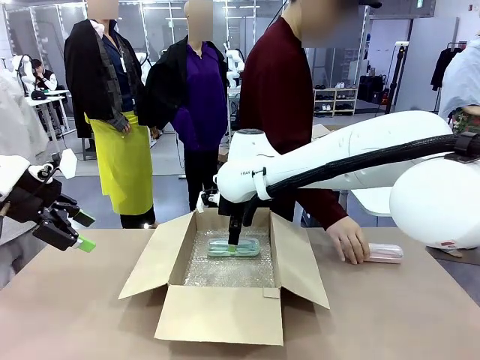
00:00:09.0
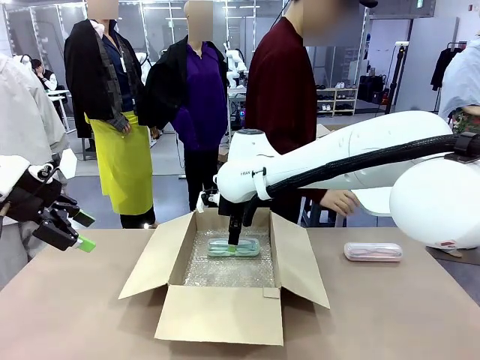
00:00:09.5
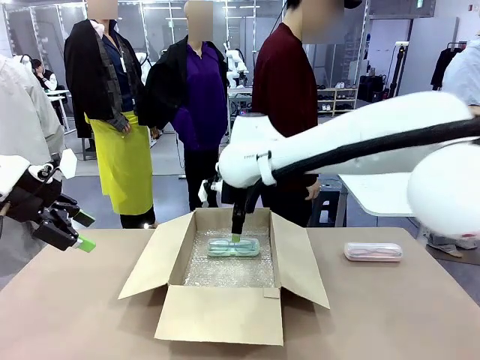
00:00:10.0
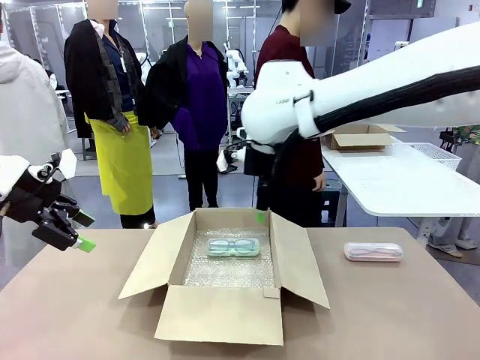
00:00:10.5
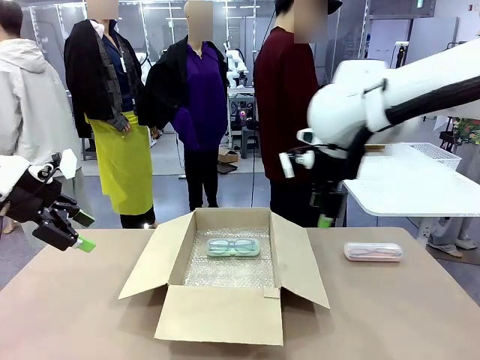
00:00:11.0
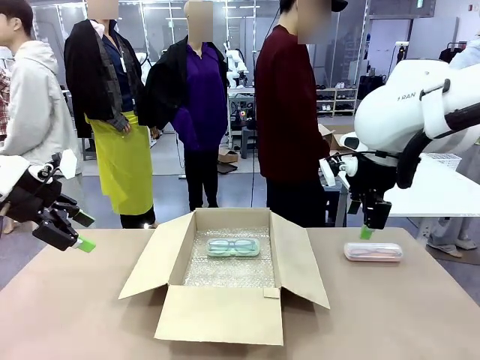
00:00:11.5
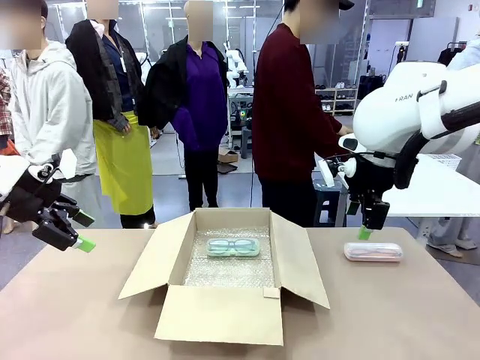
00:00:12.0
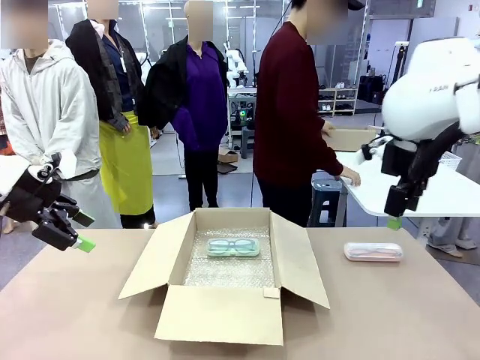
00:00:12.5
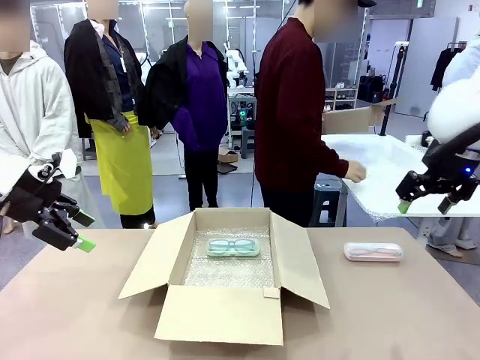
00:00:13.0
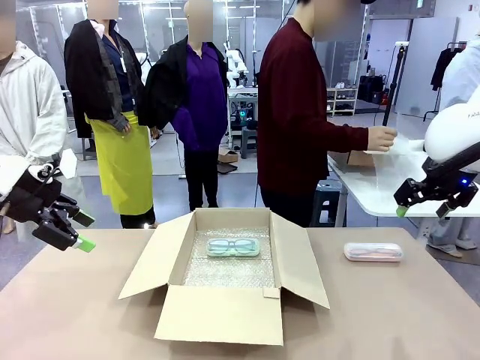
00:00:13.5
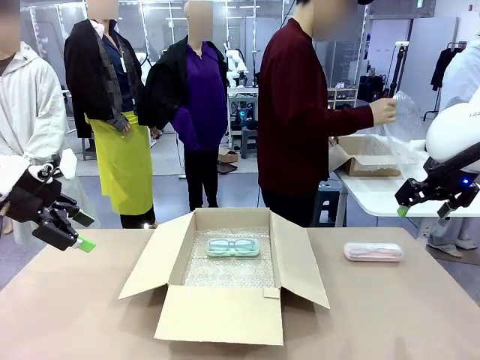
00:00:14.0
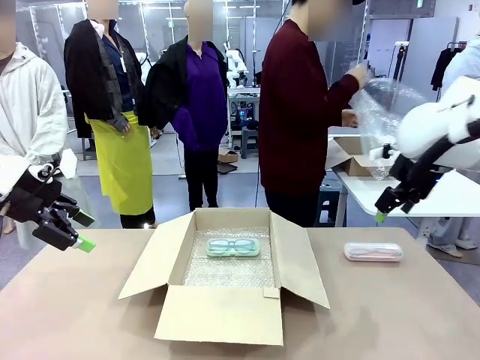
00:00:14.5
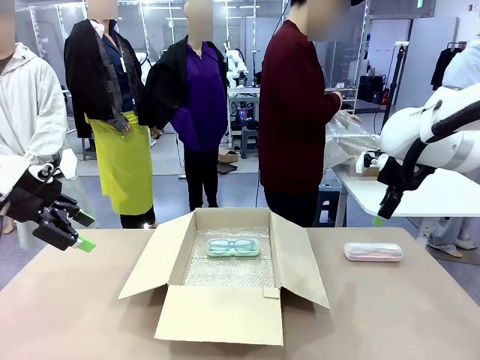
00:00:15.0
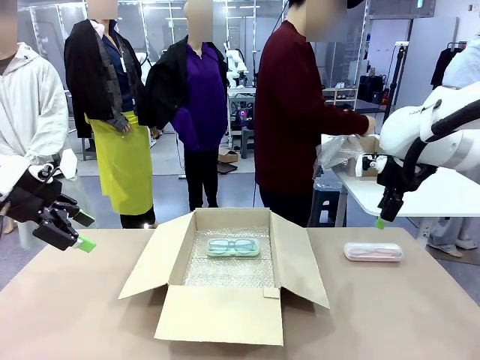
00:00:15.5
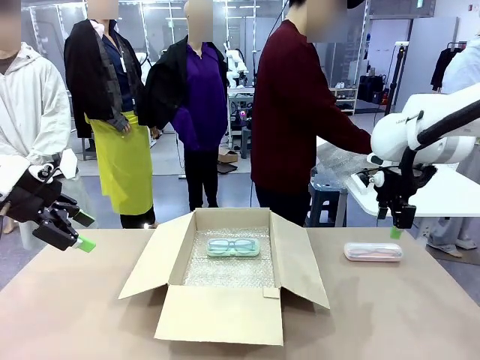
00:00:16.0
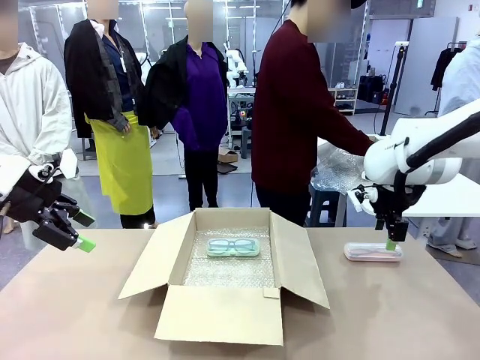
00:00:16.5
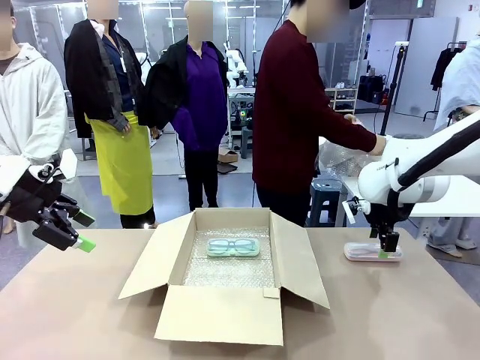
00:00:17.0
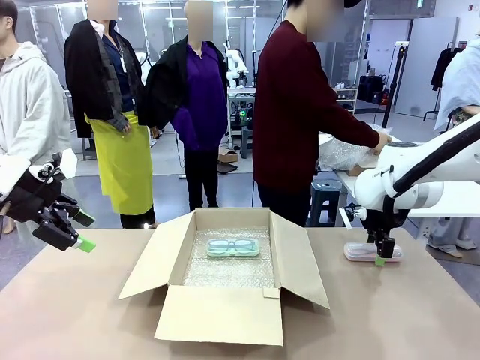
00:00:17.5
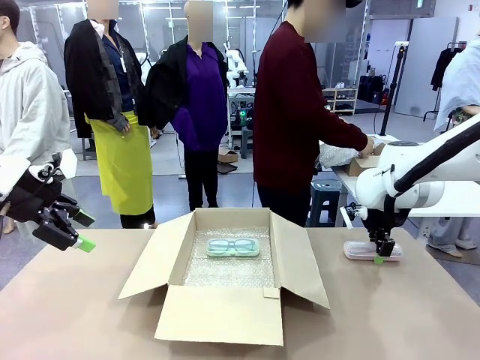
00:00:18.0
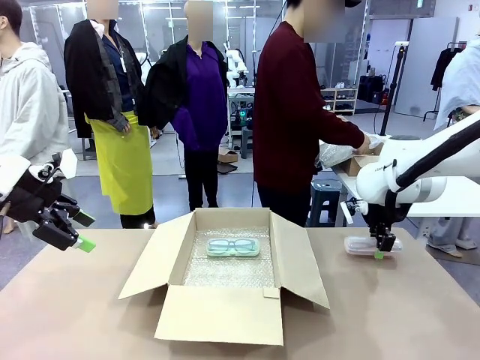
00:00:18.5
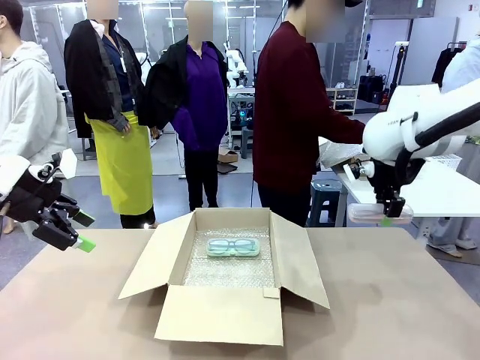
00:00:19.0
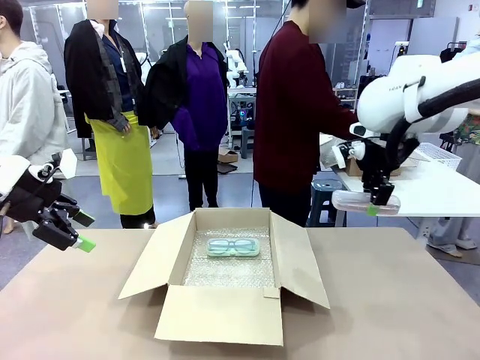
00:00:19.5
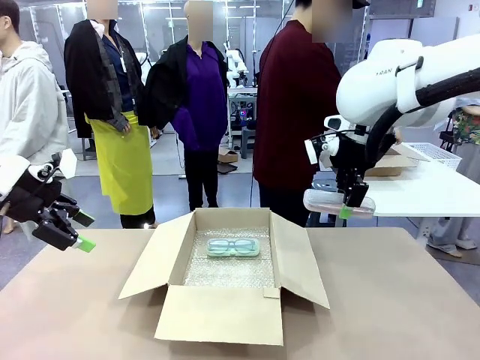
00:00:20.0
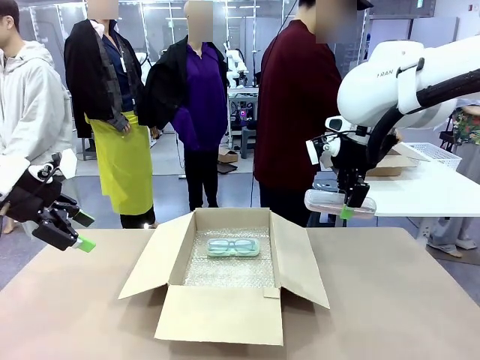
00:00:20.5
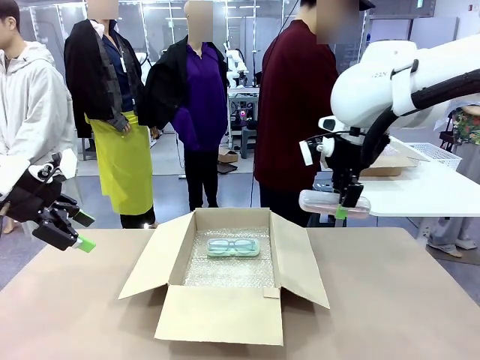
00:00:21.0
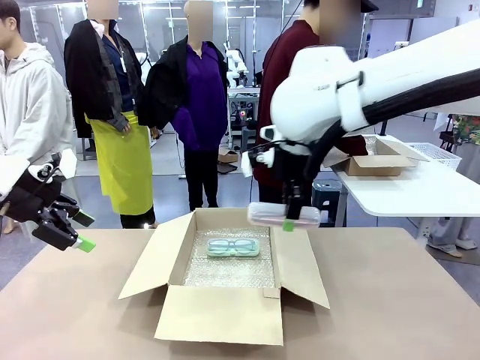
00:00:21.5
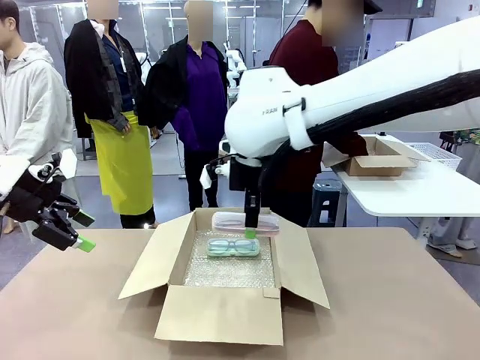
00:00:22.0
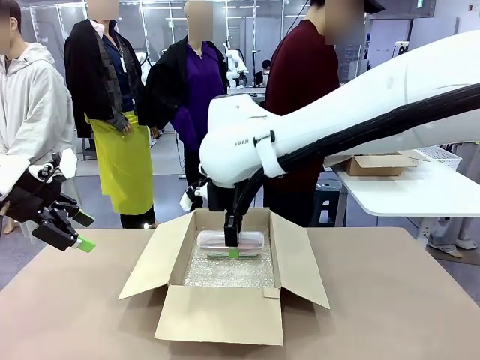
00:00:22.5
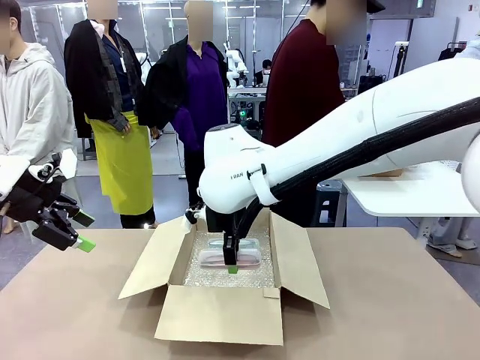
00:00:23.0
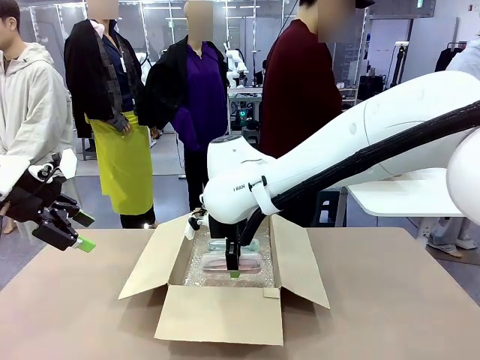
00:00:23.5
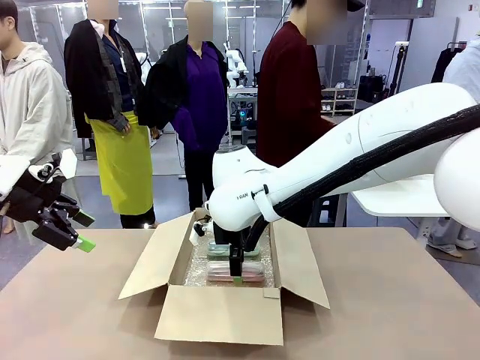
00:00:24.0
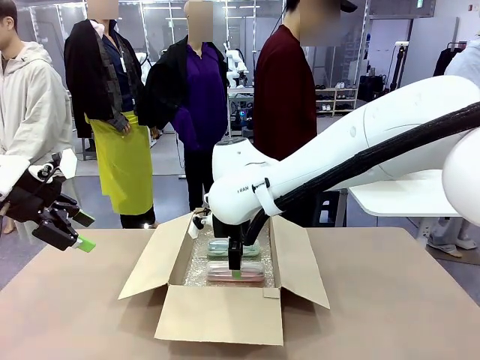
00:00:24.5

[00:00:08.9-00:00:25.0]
Task: Pack the glasses set securely to prepare it for shipping.
Robot: Put the Glasses case from the right side of the table into the Package Box.

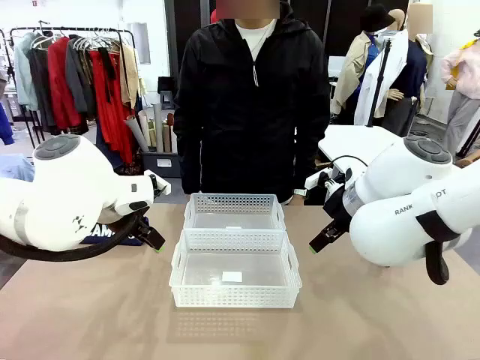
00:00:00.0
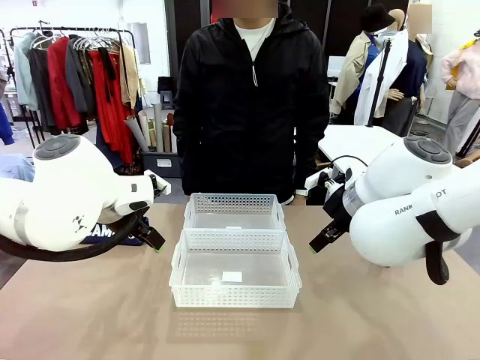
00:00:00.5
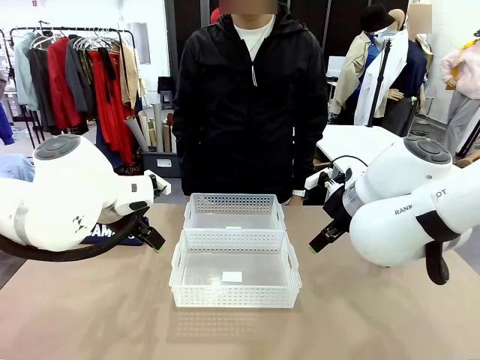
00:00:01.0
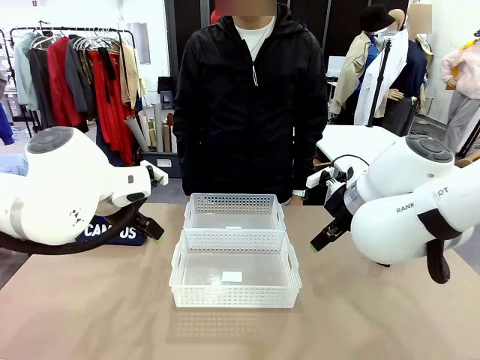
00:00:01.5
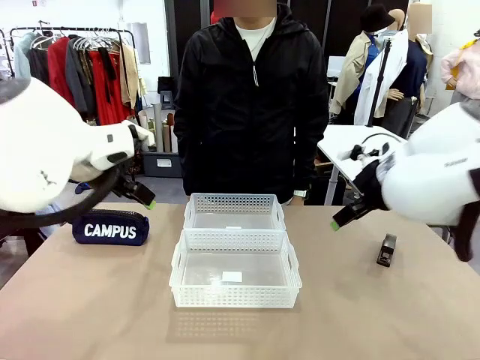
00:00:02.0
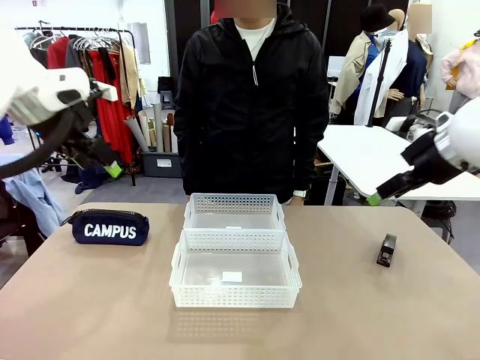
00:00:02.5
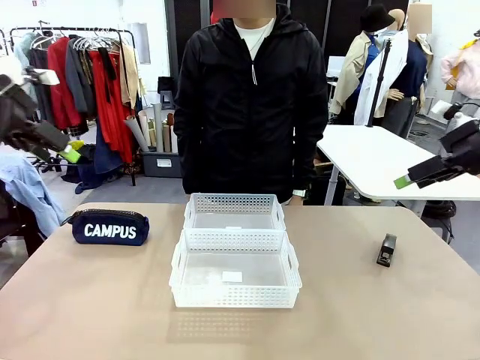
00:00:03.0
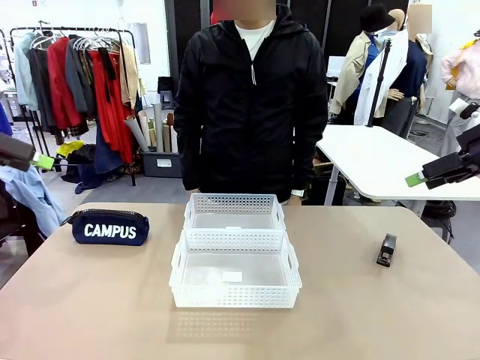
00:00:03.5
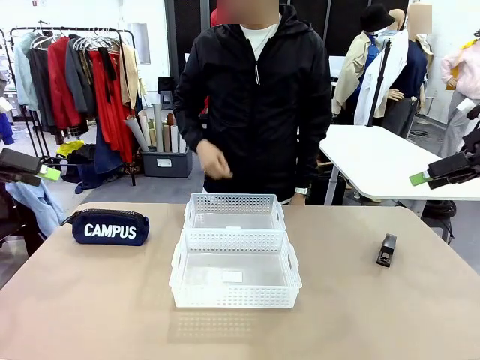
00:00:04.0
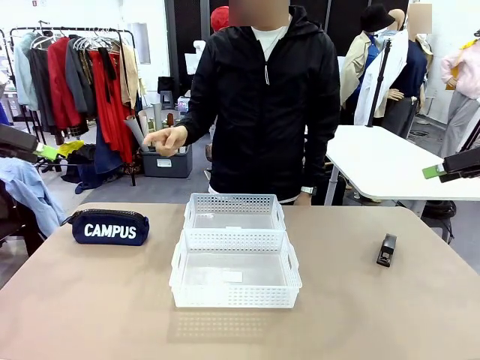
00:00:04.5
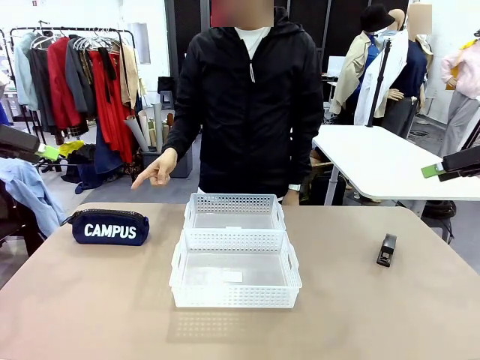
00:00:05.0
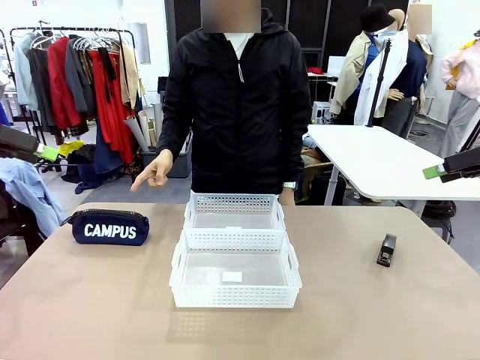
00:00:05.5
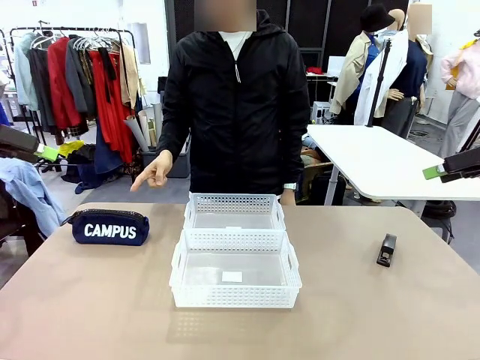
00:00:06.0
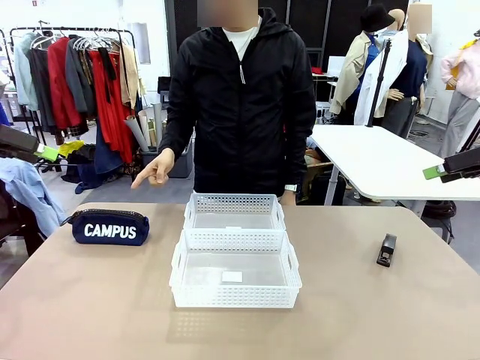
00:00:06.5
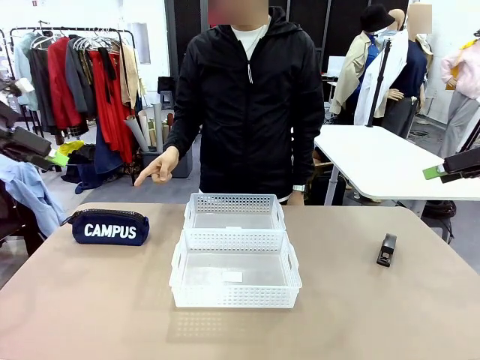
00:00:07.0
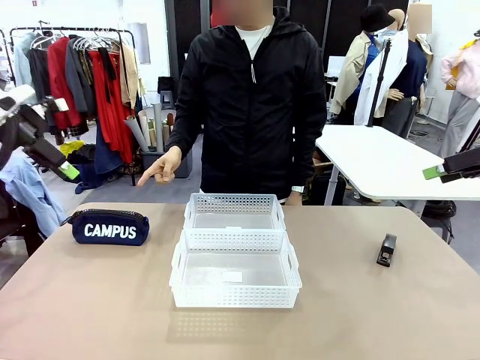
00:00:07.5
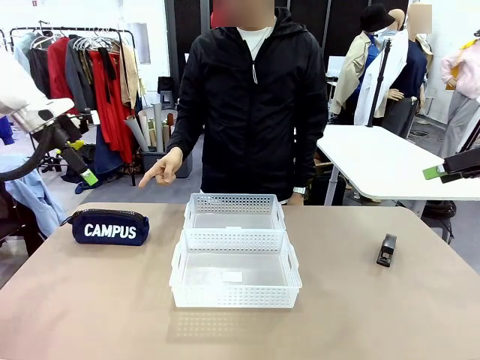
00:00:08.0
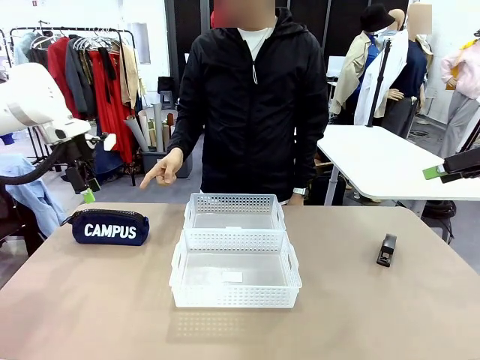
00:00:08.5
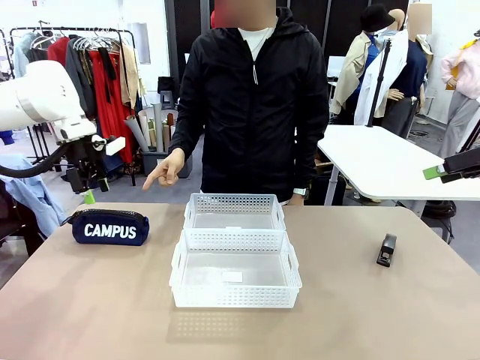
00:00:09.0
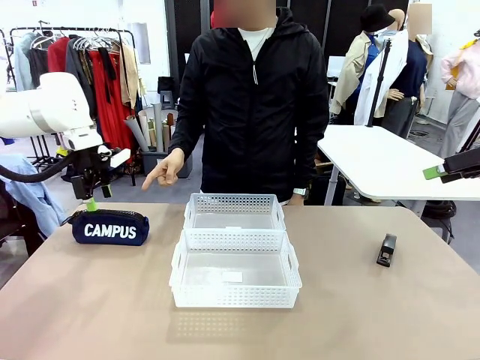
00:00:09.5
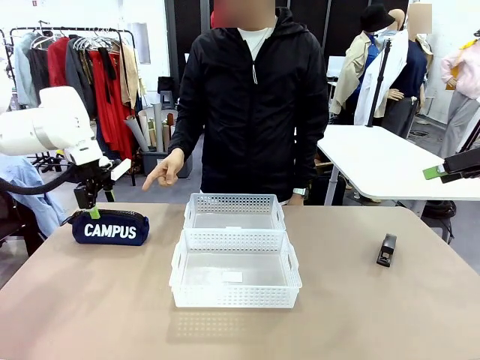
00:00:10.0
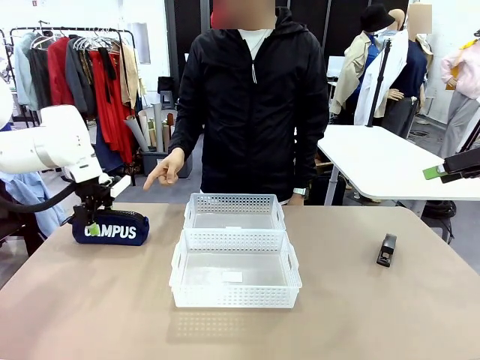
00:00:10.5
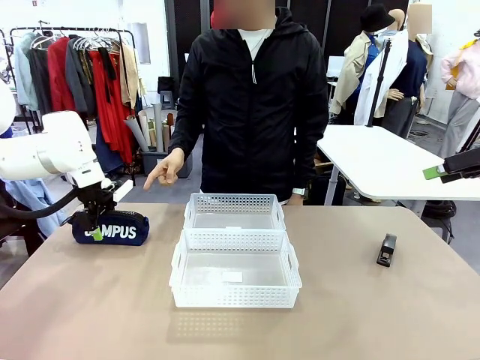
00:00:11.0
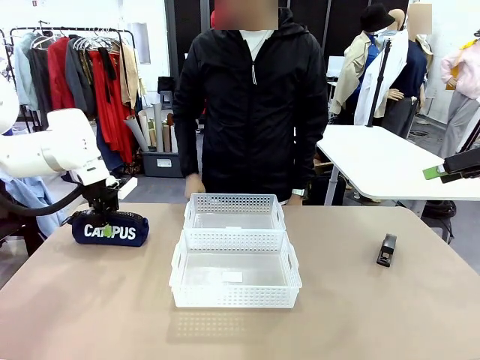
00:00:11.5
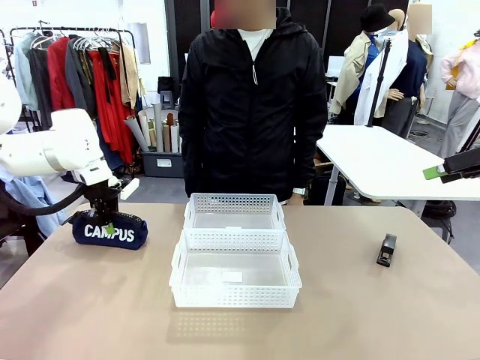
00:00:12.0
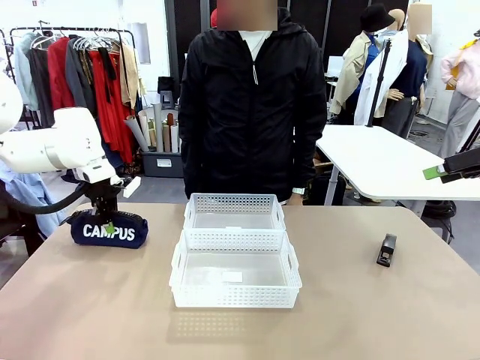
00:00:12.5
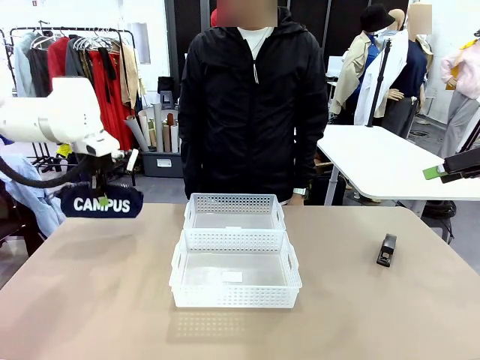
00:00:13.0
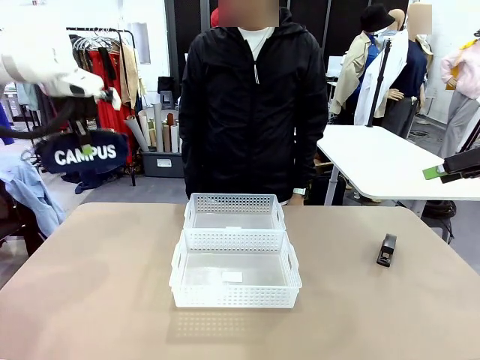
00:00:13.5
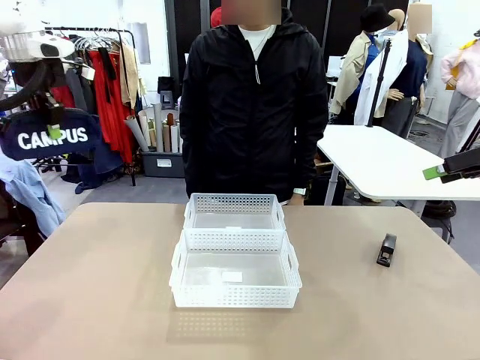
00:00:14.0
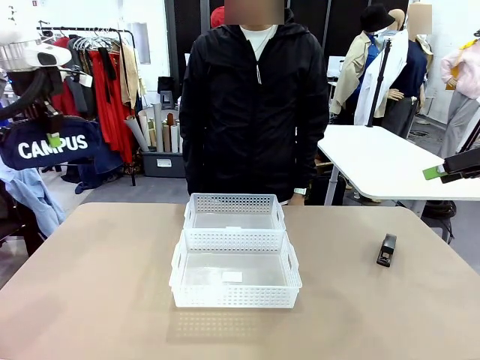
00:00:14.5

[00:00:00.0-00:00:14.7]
Task: Distribute items into two baskets.
Robot: Pick up the Pencil pouch that the person points to.
Person: Points to the pencil case. Points between the two organizing baskets and instructs the robot to move the pencil case.
